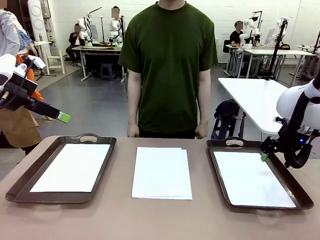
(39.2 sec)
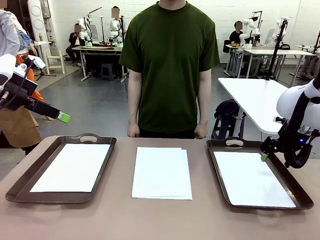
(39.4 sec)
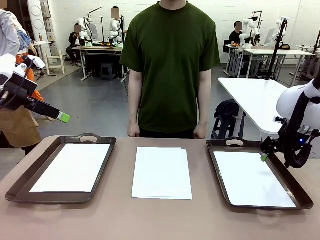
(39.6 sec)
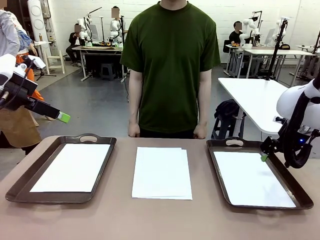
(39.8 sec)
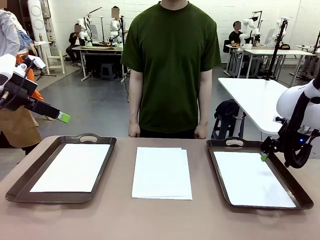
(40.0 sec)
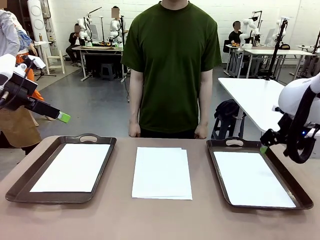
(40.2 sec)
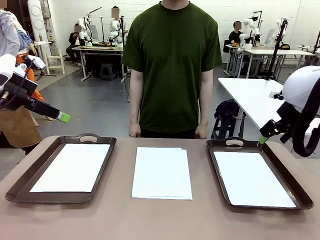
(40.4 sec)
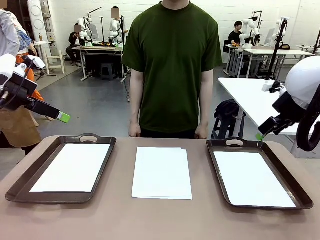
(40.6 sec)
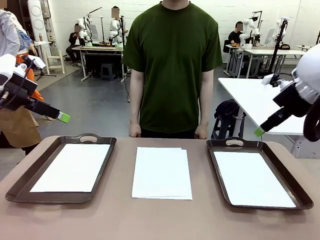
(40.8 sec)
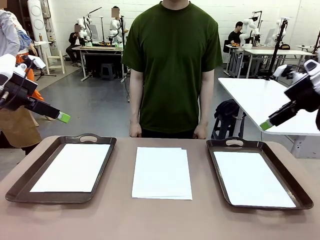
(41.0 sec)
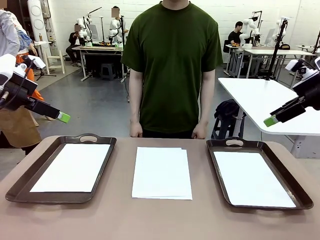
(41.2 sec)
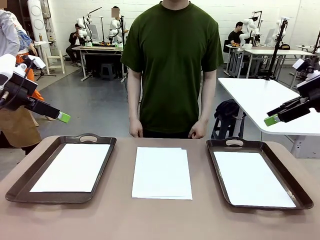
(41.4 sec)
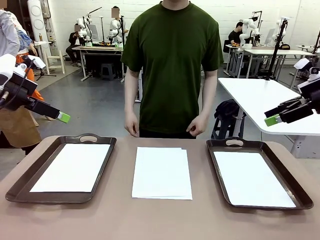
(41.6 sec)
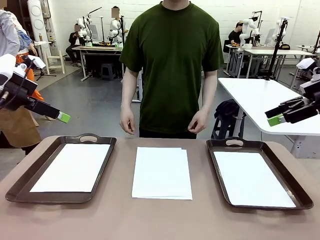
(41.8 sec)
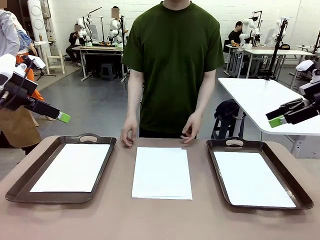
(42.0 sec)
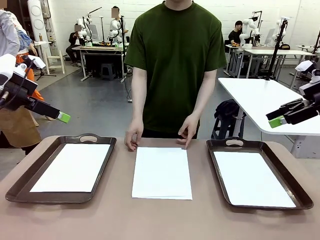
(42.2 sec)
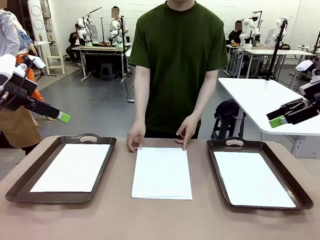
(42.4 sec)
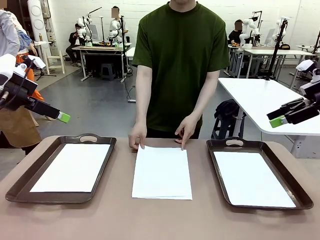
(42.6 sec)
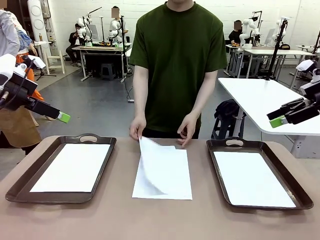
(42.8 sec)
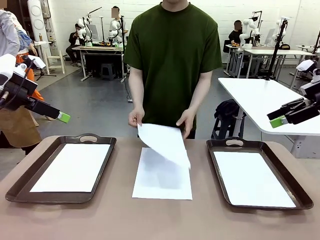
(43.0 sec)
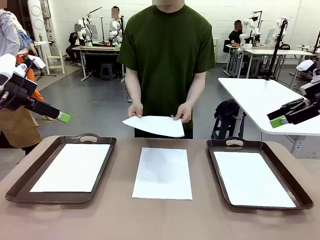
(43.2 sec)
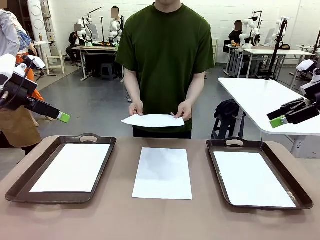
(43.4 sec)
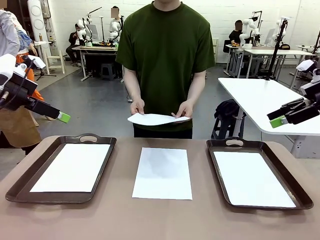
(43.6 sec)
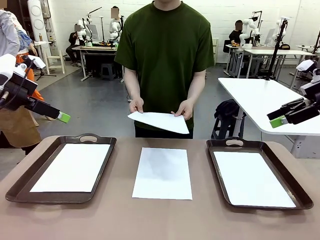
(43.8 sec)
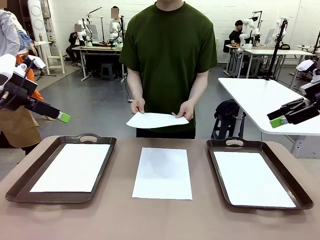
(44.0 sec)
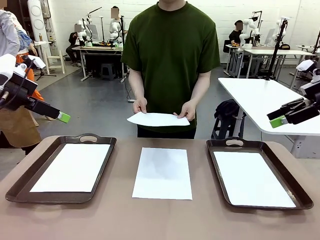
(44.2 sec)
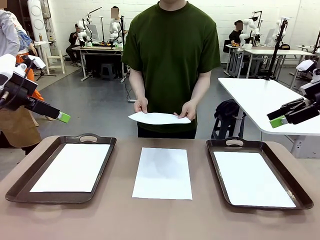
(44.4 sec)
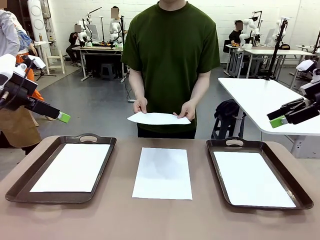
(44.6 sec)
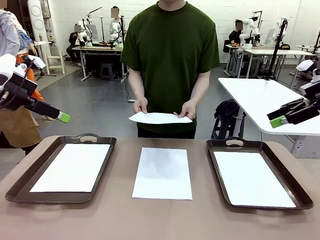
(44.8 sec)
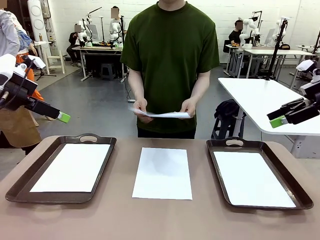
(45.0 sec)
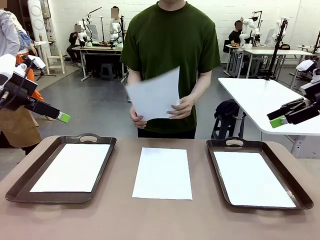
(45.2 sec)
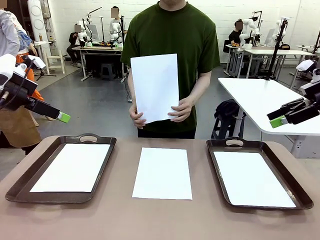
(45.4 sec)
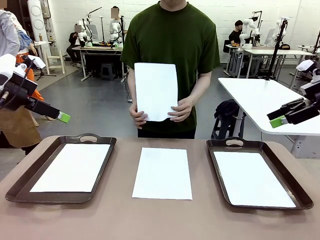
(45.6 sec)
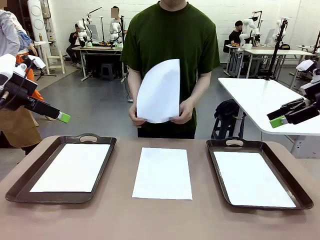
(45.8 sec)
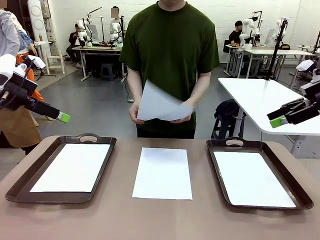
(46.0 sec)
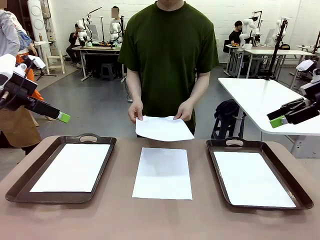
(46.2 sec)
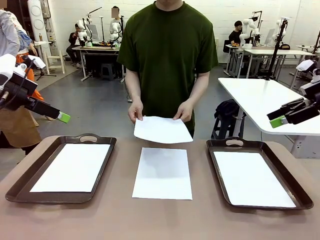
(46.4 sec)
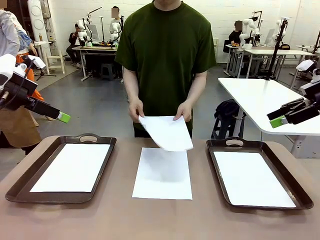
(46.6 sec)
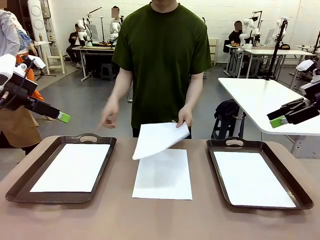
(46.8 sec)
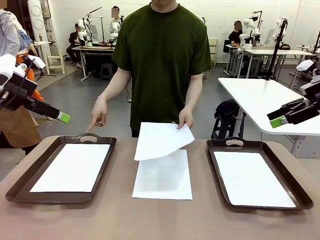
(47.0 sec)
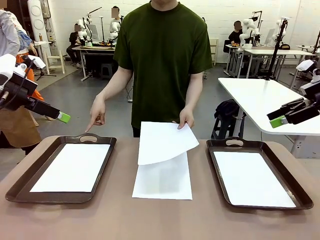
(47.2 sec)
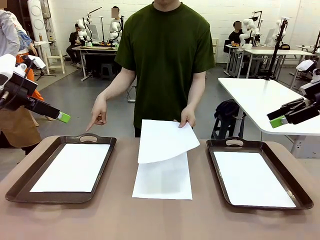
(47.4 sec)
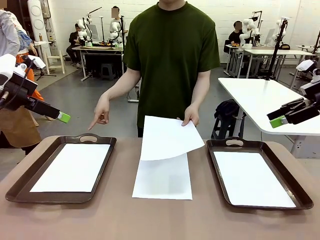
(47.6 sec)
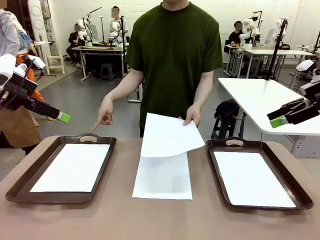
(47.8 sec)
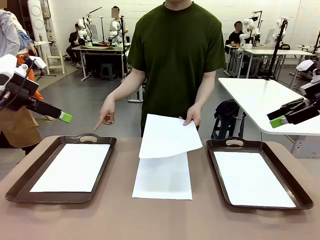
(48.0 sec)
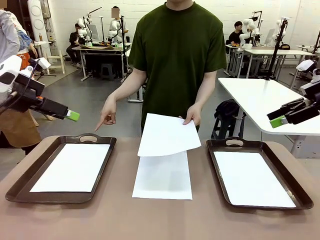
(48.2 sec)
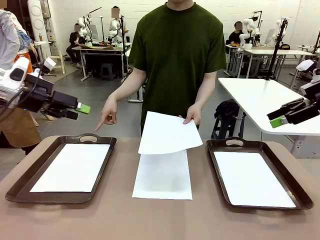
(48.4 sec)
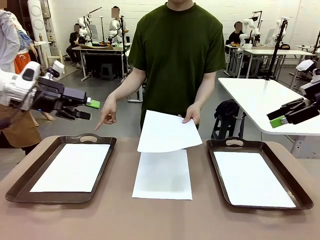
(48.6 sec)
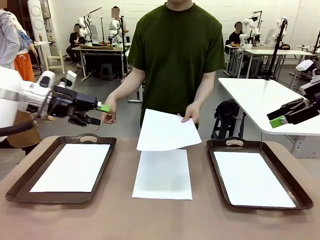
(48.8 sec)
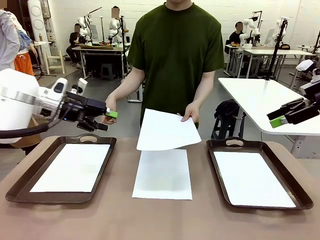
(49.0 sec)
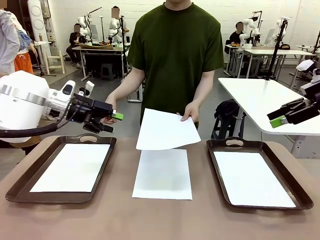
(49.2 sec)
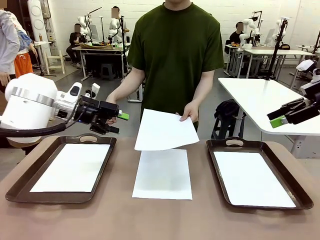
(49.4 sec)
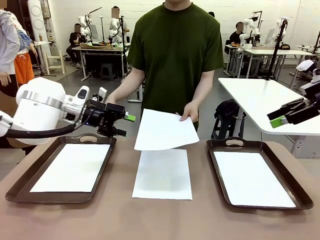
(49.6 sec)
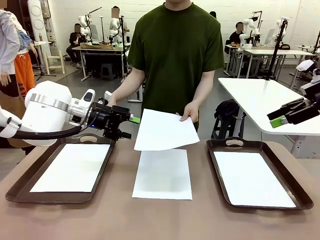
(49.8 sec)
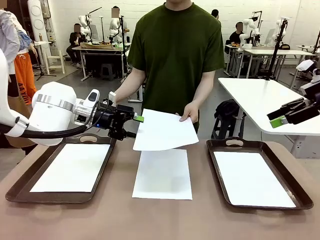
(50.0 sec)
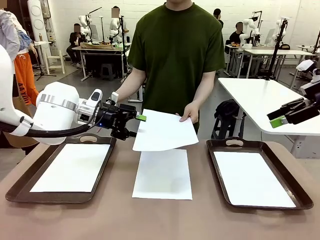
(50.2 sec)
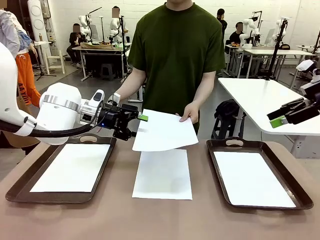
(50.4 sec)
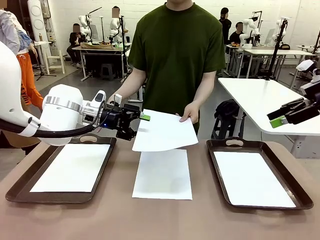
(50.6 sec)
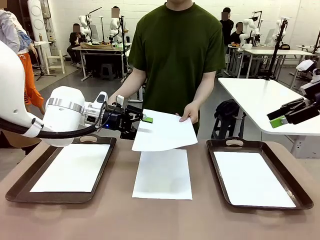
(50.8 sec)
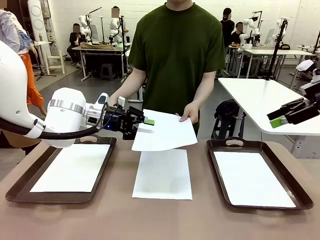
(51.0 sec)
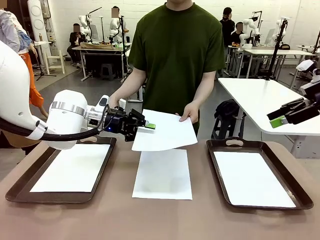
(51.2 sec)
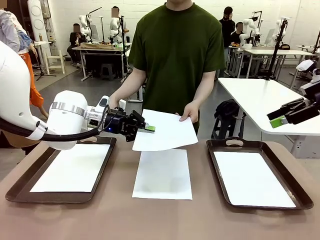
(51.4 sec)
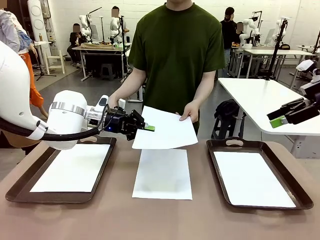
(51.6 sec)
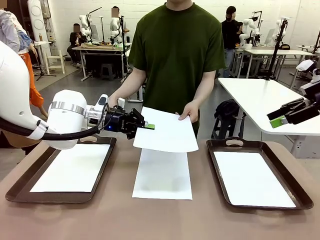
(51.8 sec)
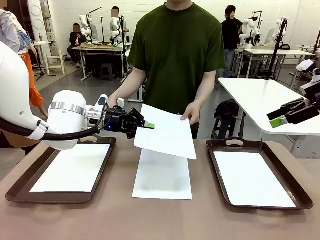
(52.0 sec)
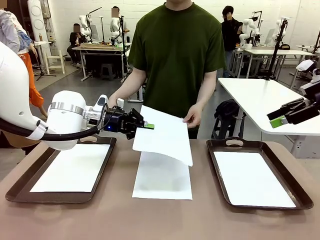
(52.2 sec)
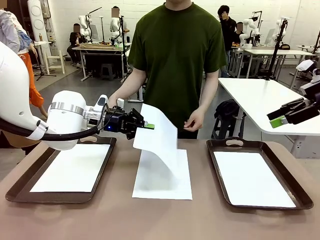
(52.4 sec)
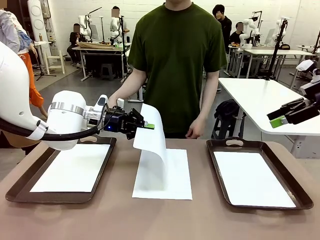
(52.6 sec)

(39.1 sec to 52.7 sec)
Task: Sort the A4 documents.
Robot: Receive the A4 Paper.
Person: Point the randomly selected tray with the other hand.

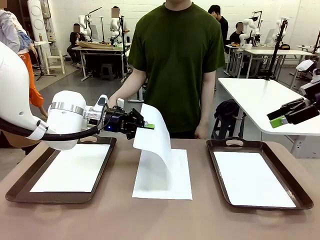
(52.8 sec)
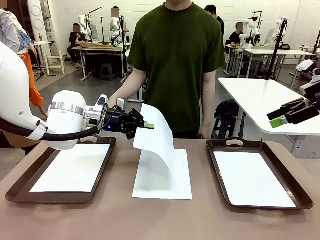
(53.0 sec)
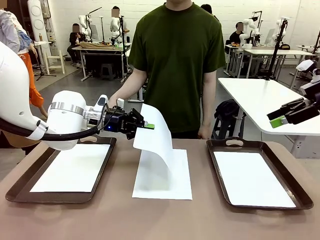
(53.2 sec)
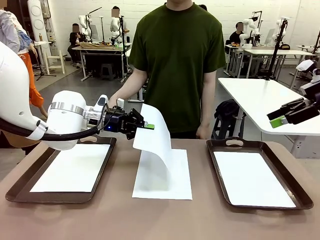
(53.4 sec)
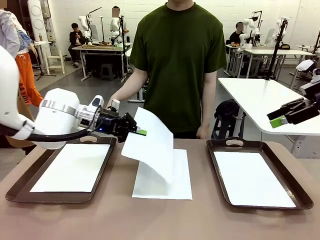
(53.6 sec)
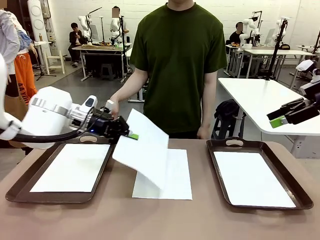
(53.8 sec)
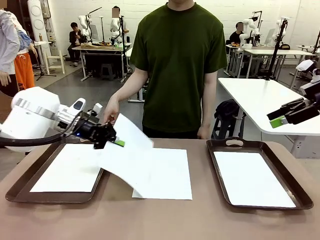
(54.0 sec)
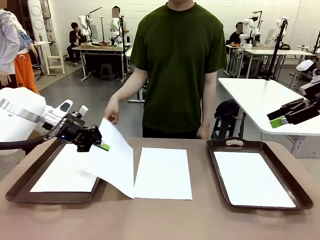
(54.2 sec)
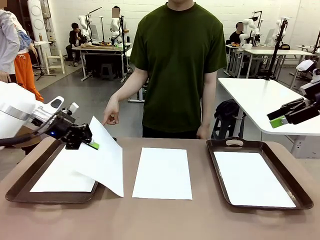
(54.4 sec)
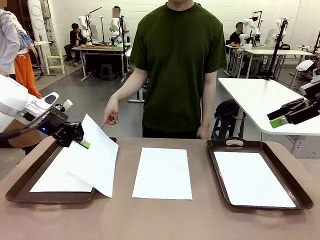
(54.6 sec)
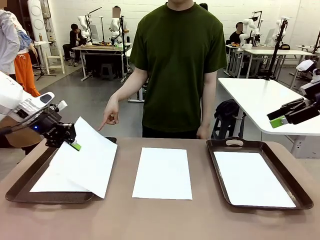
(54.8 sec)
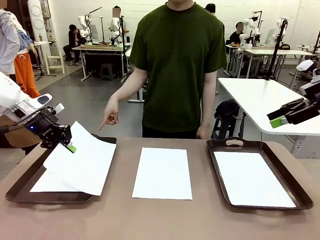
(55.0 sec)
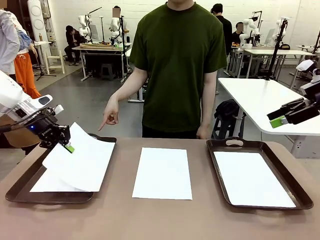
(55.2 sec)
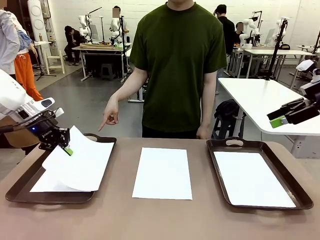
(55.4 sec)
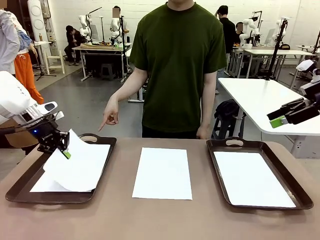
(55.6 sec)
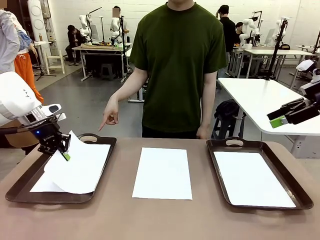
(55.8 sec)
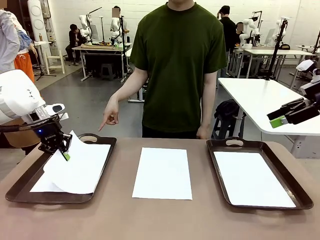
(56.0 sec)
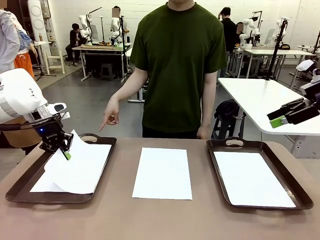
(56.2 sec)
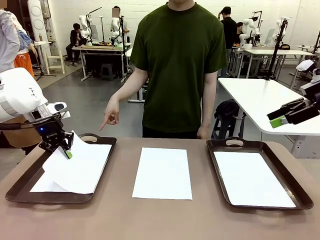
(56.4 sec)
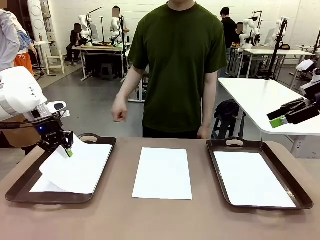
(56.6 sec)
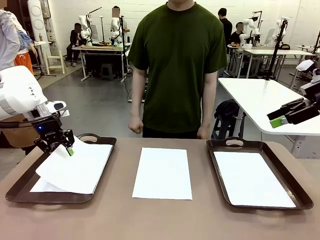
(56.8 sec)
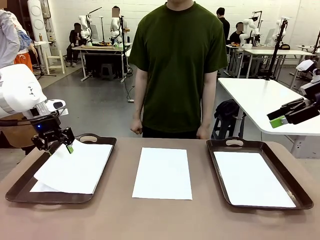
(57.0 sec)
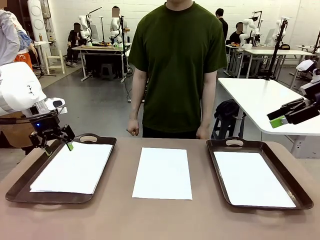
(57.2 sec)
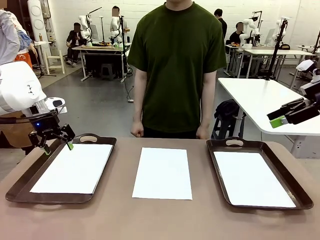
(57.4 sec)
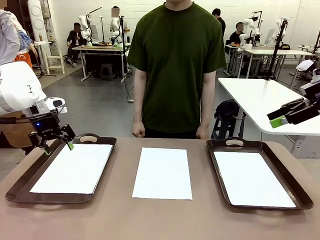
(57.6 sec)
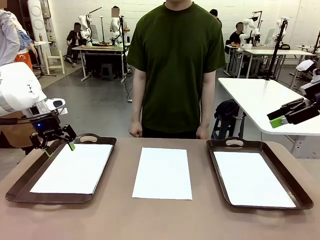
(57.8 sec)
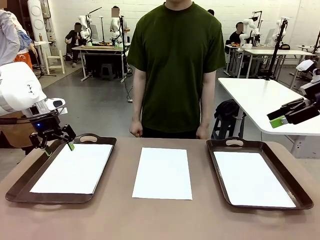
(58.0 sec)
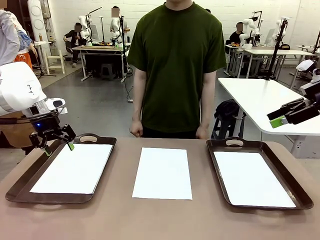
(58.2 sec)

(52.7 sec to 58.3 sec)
Robot: Place the A4 Paper in the designated Handle tray.
